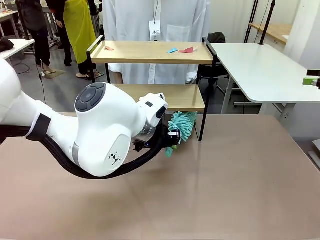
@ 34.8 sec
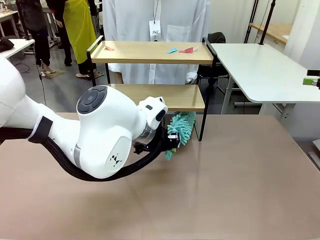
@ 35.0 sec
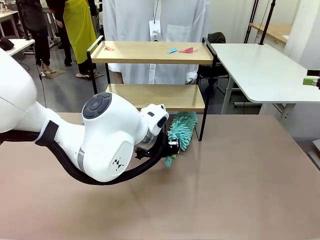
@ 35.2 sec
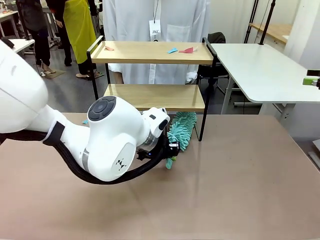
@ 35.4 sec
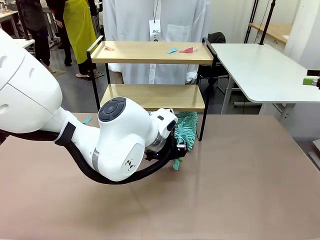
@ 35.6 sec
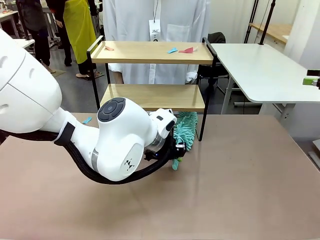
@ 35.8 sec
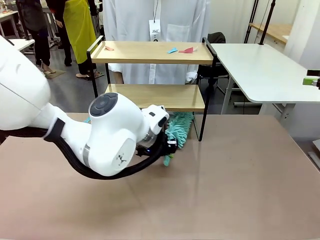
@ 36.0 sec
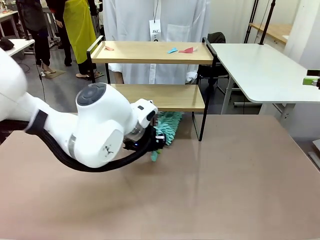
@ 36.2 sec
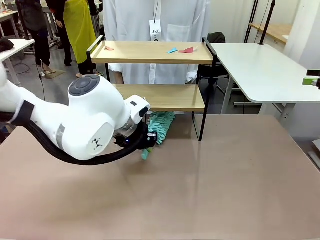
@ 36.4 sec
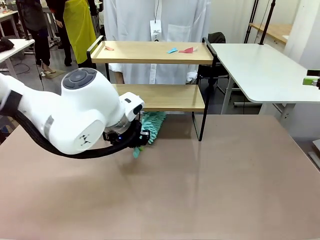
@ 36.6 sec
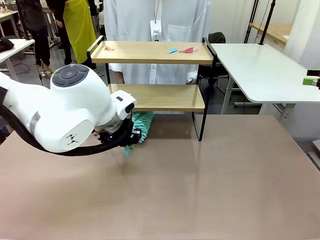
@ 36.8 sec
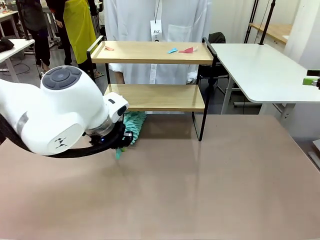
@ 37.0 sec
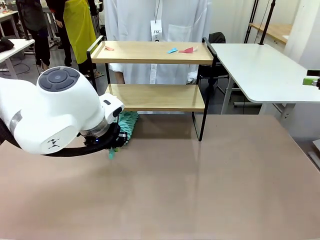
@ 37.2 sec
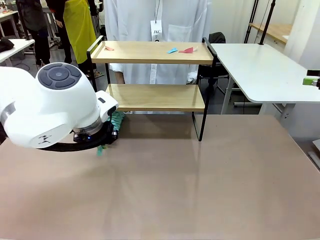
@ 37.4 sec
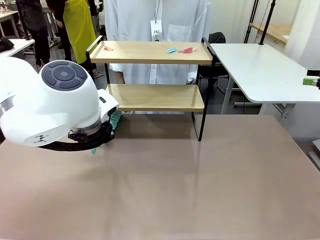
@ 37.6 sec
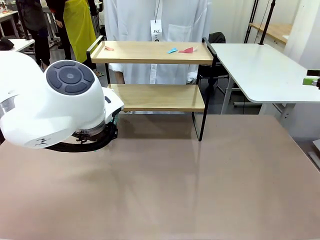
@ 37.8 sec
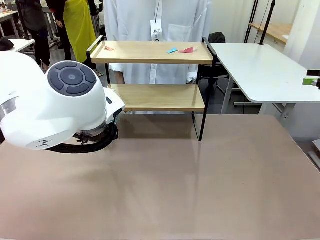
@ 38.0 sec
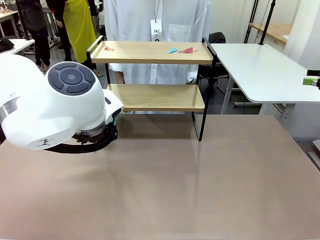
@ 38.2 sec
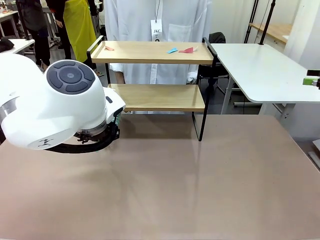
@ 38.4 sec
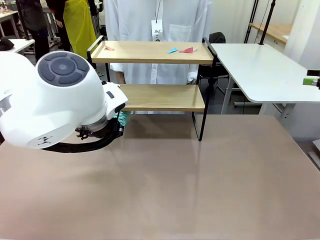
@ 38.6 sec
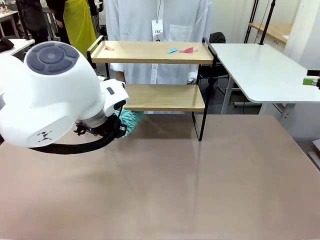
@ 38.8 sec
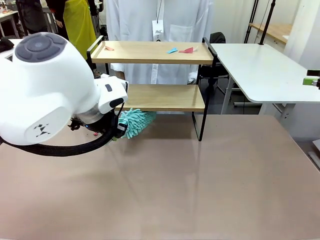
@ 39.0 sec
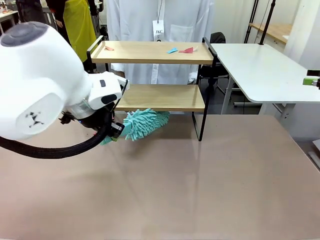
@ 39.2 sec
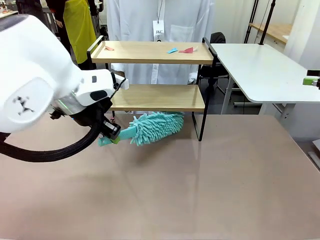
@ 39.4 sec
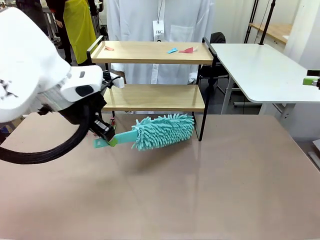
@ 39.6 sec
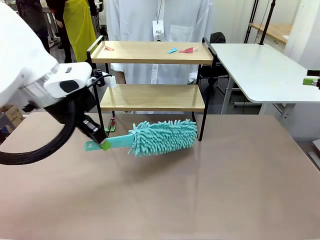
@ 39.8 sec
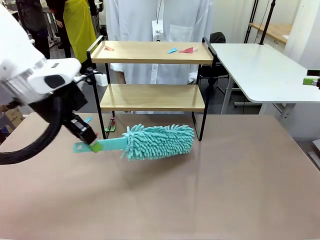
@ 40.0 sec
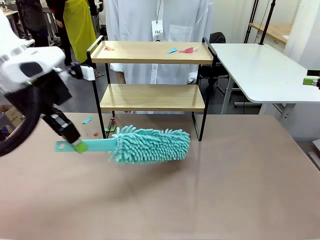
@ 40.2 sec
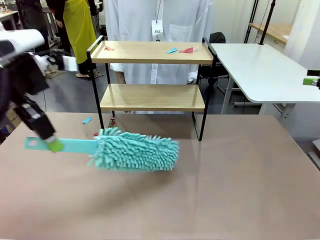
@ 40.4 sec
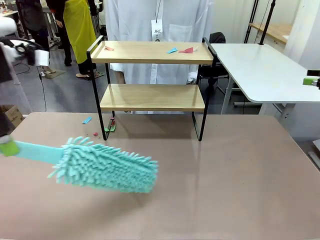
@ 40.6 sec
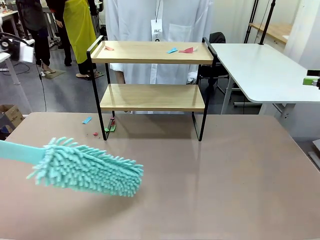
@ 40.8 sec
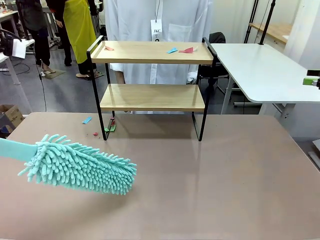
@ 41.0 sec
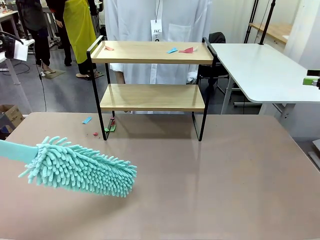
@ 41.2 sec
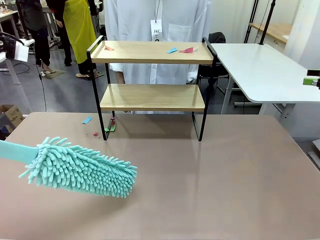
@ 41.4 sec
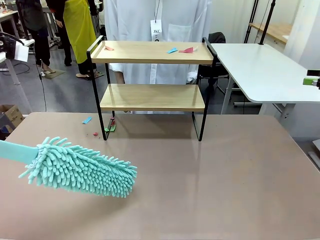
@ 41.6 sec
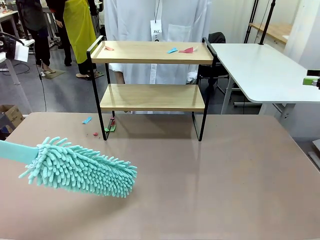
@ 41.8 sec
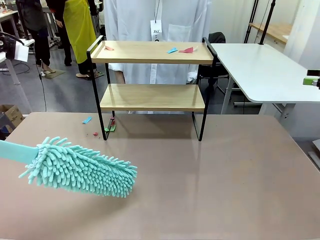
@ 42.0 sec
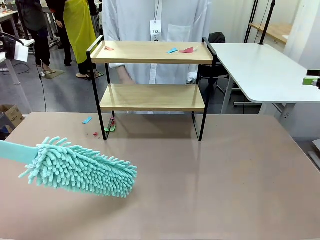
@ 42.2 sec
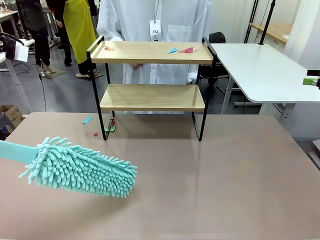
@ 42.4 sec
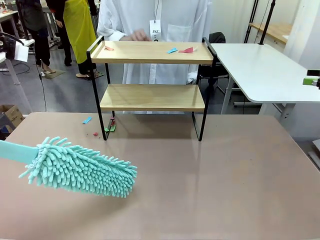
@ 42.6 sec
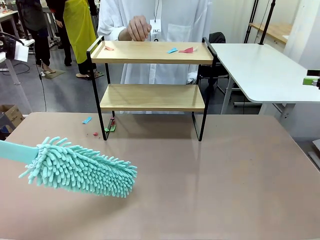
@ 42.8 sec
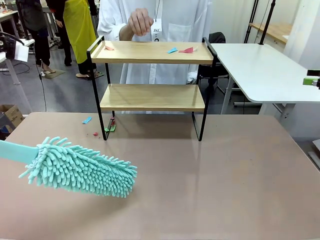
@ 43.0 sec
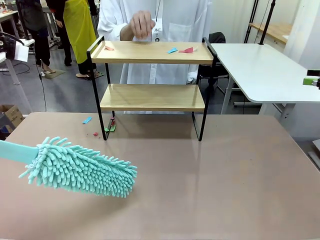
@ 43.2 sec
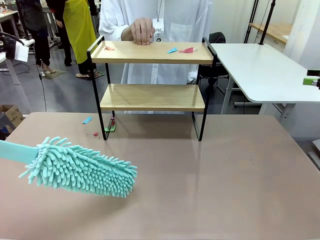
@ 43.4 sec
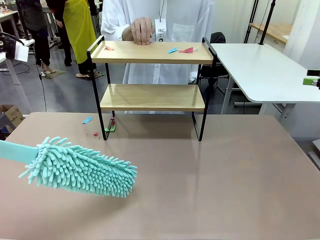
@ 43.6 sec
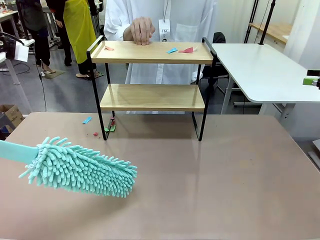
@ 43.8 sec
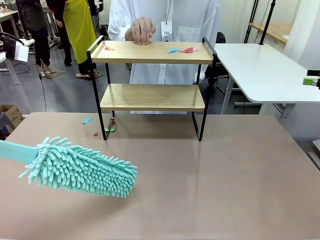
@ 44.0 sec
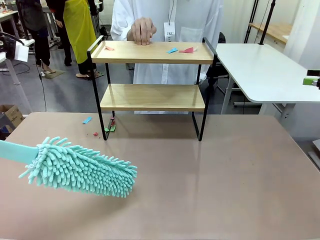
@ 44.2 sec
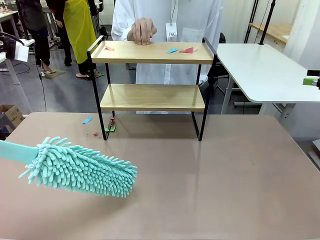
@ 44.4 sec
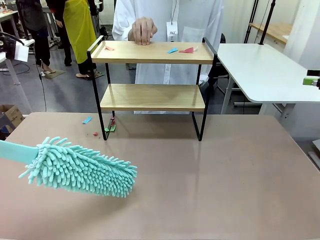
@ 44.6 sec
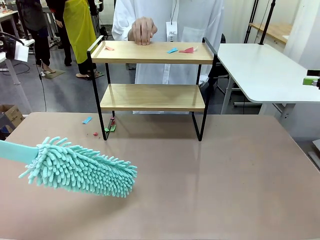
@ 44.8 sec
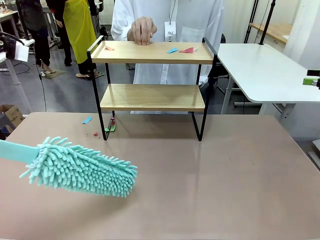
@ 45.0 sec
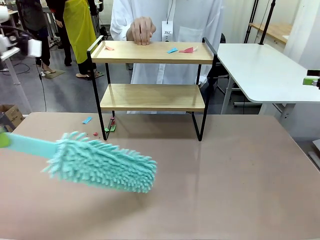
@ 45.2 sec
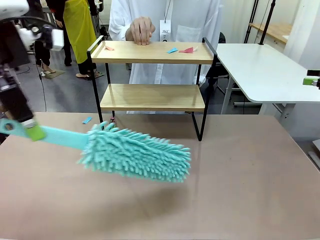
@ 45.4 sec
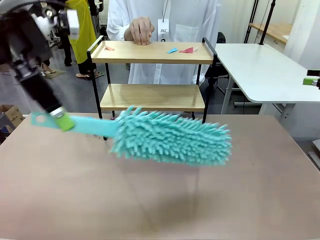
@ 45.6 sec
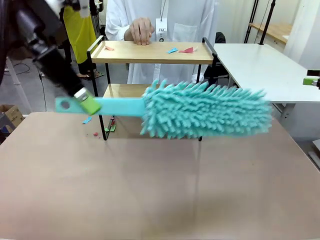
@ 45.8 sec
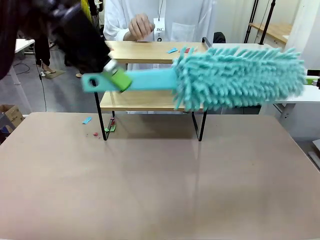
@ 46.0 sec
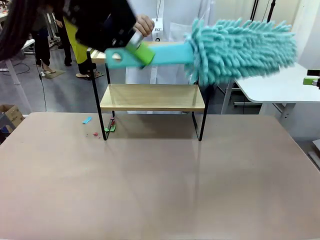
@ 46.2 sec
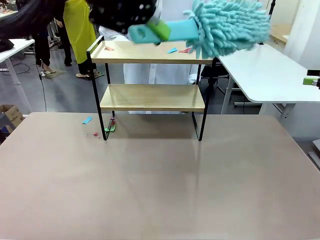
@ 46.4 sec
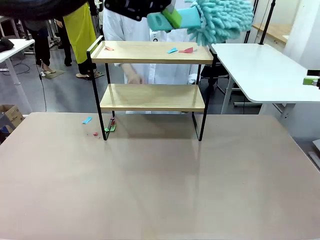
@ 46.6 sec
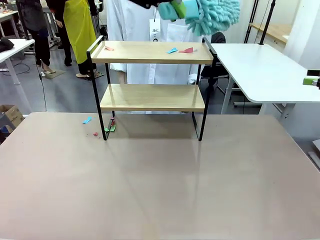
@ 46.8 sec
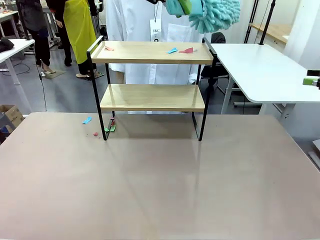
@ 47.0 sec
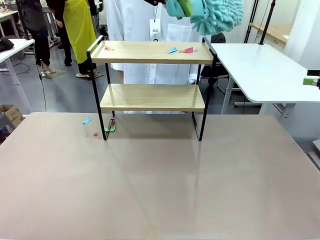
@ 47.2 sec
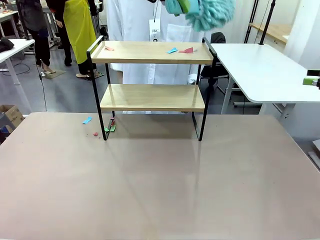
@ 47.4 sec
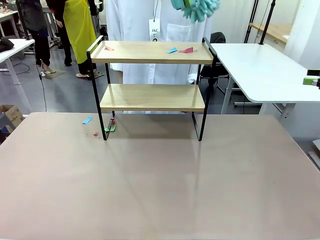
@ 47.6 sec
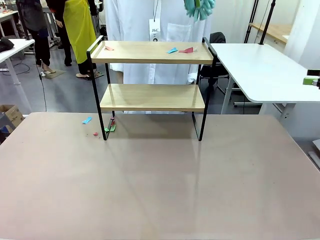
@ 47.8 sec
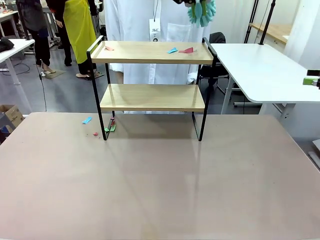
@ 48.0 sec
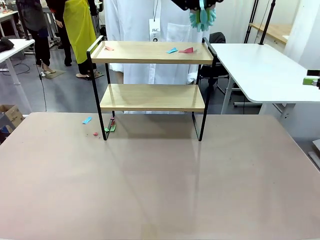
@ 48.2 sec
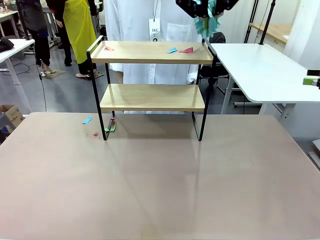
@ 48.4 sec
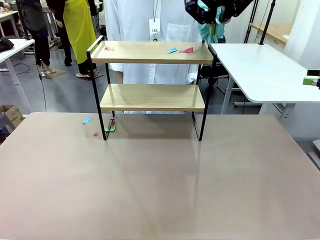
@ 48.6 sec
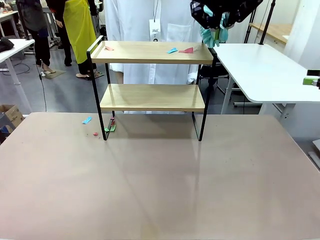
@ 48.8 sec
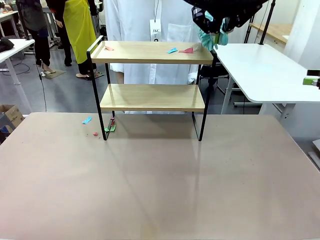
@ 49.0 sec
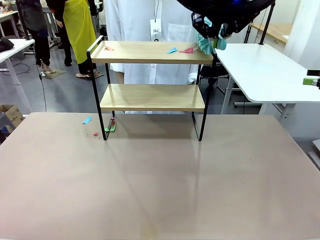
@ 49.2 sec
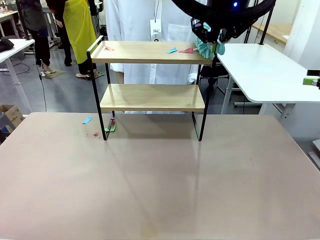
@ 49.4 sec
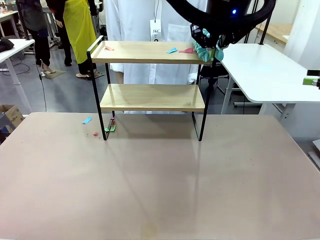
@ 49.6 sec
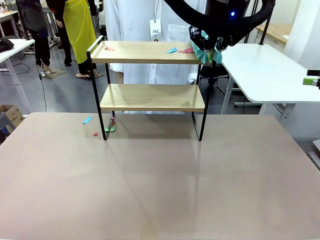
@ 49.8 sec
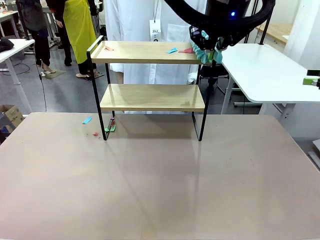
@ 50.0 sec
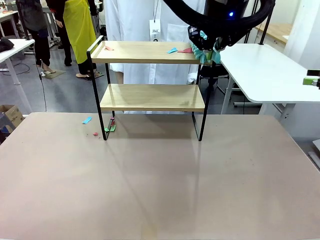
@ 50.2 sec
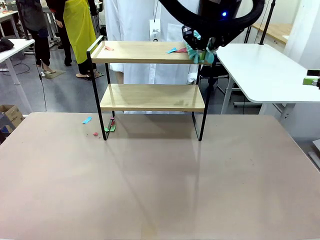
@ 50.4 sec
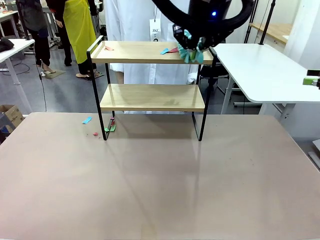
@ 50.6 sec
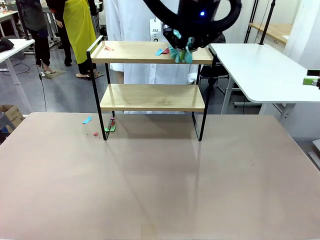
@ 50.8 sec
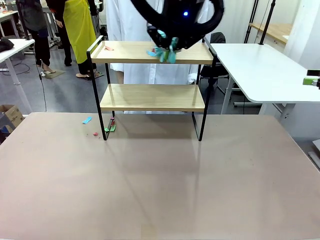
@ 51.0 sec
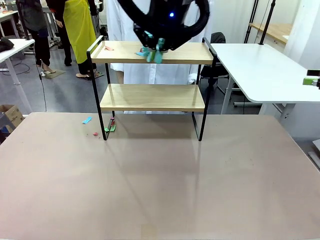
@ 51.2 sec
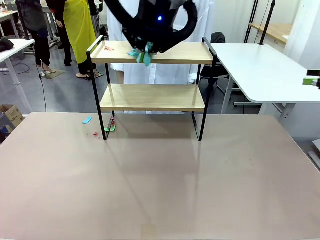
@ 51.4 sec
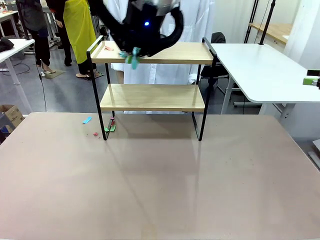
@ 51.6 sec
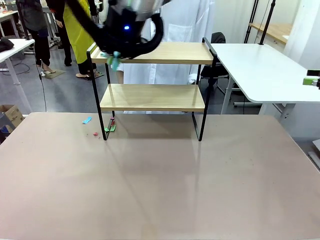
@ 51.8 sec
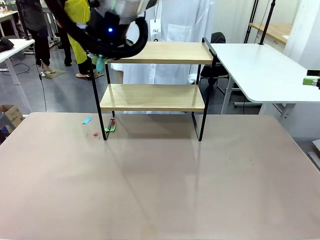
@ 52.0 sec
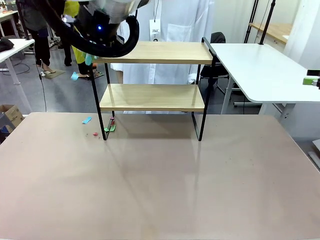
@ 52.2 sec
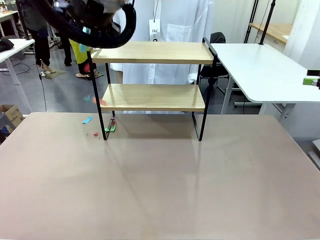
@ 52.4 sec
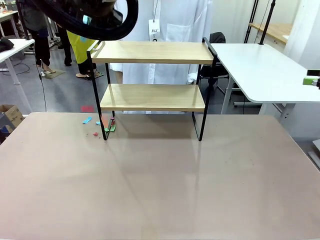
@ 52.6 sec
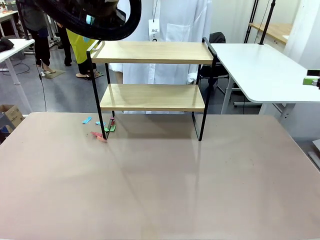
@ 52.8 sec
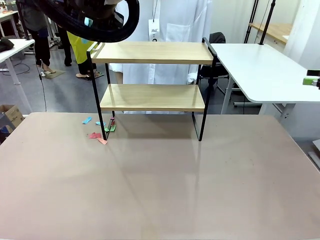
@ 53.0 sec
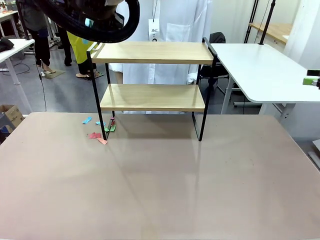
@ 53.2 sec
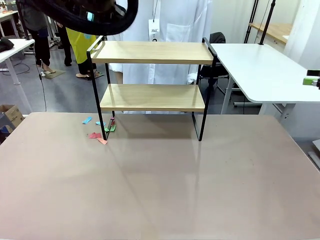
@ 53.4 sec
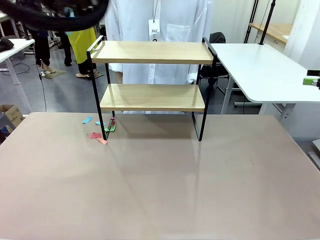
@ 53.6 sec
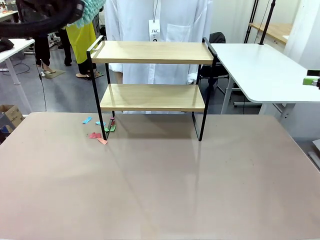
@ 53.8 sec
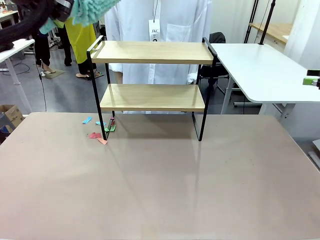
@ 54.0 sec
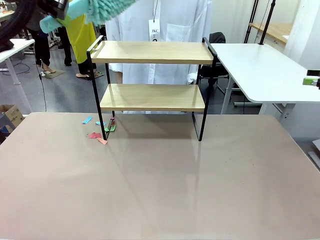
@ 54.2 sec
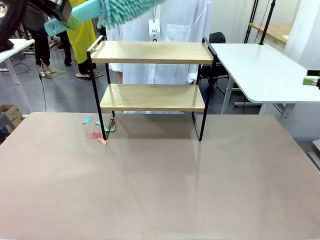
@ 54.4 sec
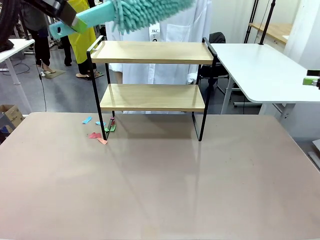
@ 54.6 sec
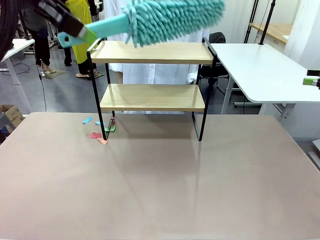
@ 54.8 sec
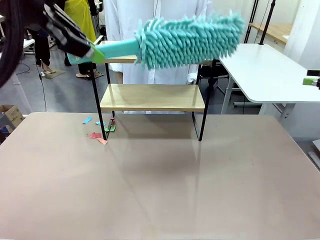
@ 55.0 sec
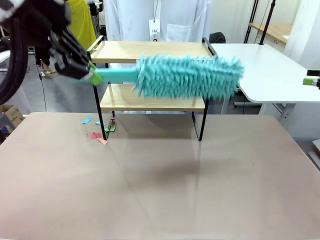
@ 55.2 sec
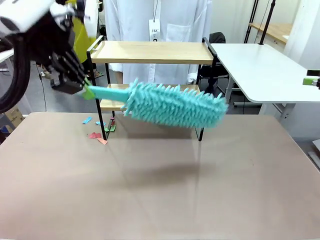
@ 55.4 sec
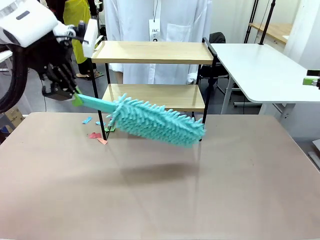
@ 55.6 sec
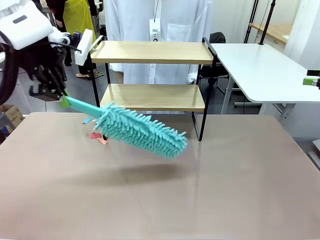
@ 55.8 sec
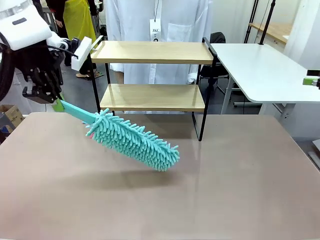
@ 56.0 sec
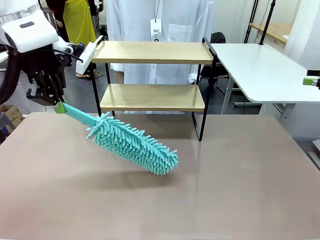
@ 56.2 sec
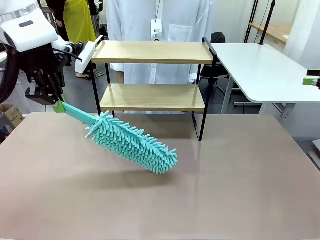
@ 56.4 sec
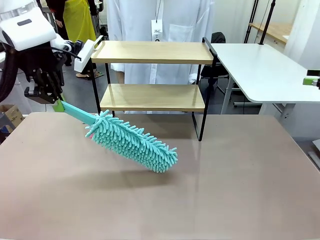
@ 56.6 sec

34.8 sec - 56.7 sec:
Task: Clean the shelf.
Robot: Clean the specific section of the Shelf indicated by the human with the Duster.
Person: Point a remaining section of the Shelf.
